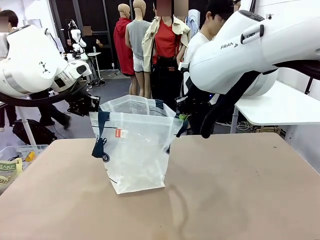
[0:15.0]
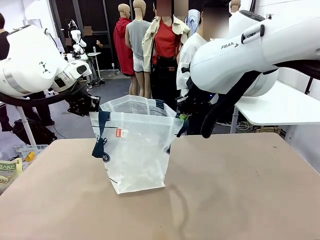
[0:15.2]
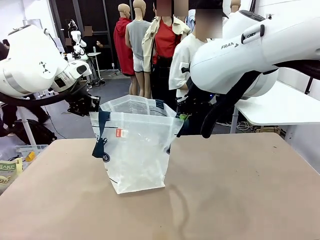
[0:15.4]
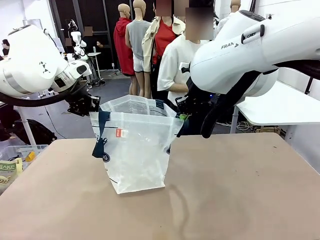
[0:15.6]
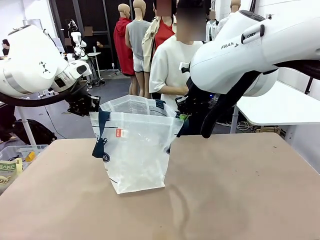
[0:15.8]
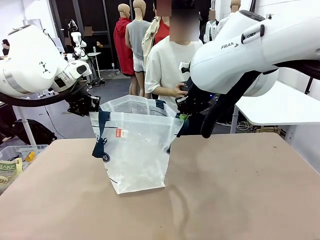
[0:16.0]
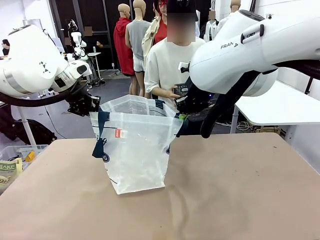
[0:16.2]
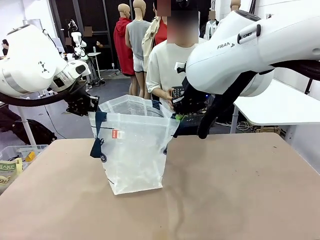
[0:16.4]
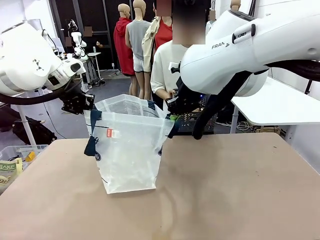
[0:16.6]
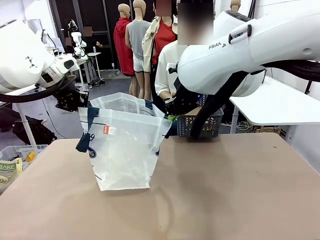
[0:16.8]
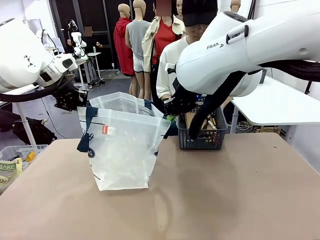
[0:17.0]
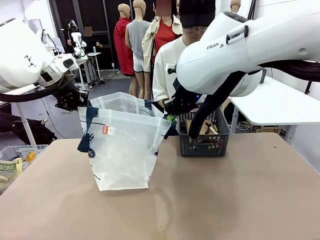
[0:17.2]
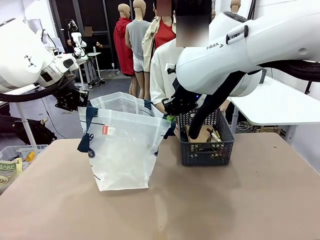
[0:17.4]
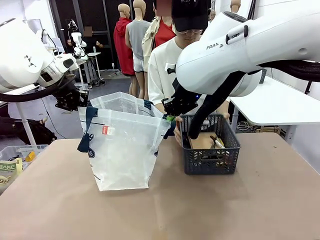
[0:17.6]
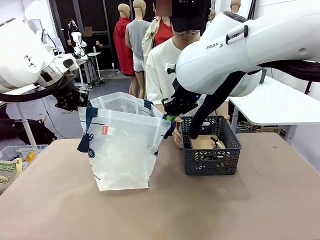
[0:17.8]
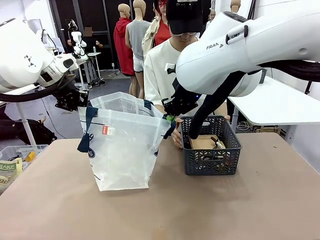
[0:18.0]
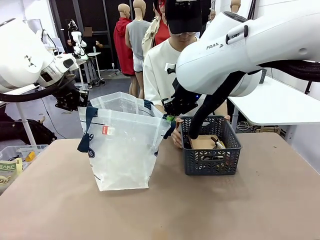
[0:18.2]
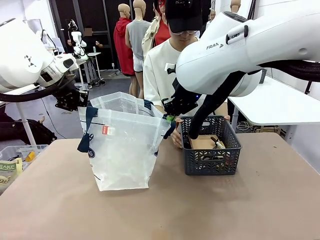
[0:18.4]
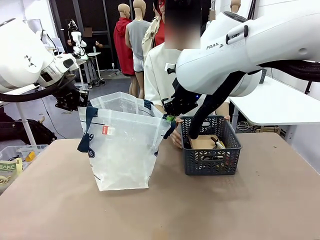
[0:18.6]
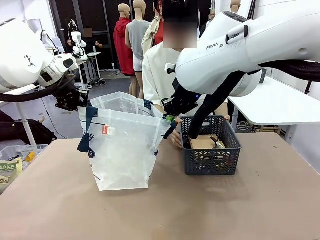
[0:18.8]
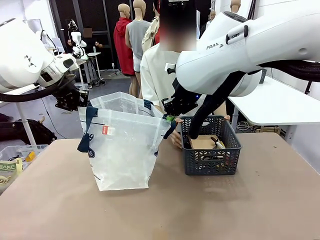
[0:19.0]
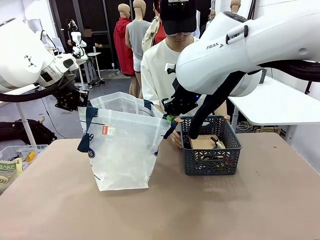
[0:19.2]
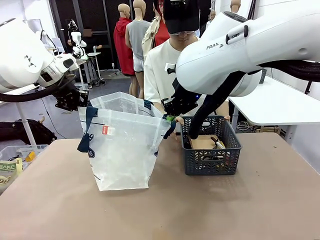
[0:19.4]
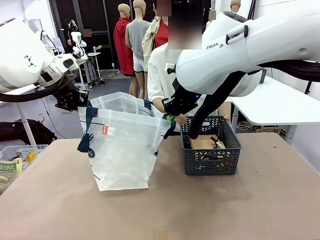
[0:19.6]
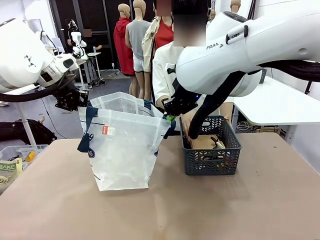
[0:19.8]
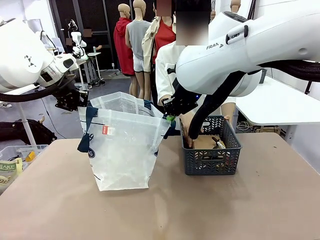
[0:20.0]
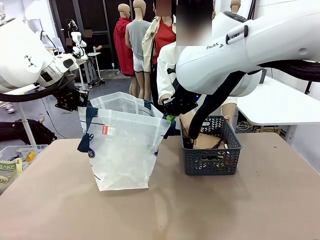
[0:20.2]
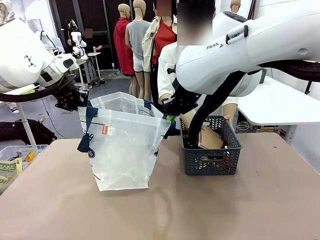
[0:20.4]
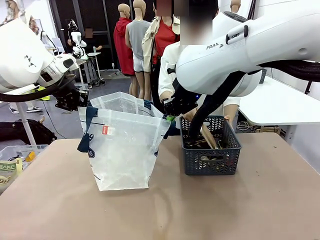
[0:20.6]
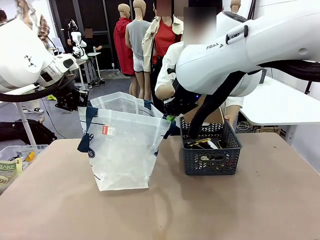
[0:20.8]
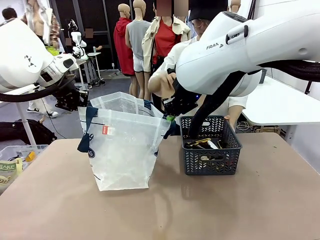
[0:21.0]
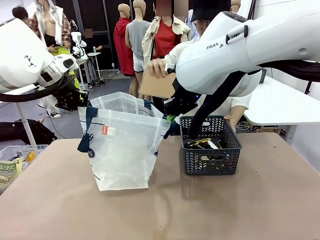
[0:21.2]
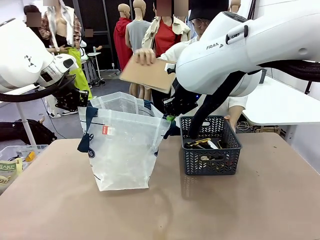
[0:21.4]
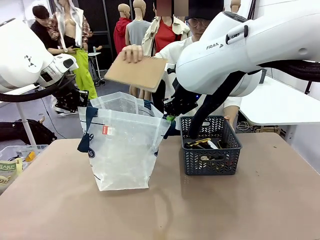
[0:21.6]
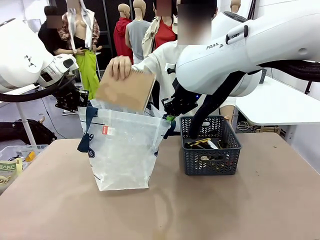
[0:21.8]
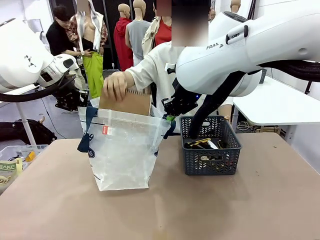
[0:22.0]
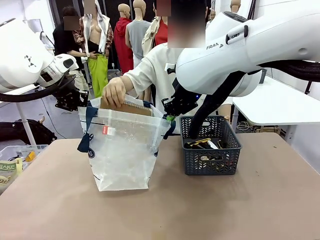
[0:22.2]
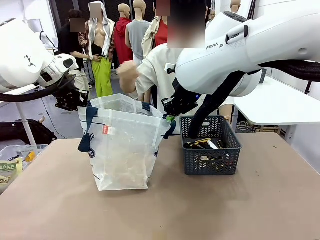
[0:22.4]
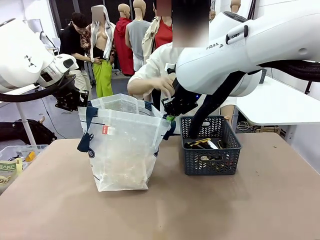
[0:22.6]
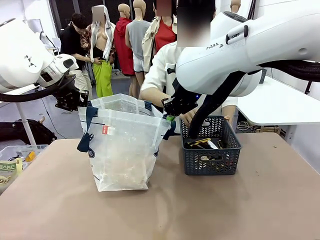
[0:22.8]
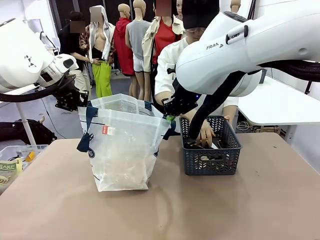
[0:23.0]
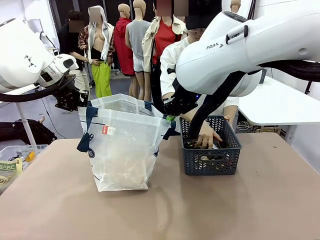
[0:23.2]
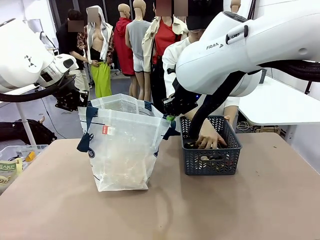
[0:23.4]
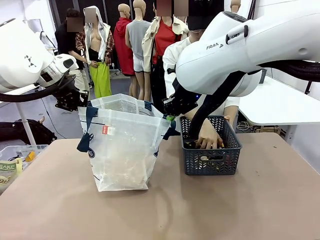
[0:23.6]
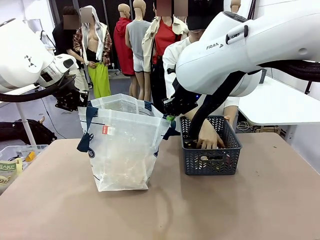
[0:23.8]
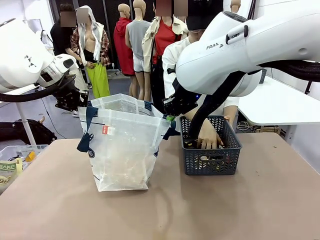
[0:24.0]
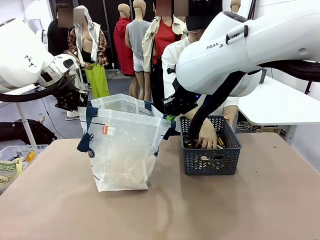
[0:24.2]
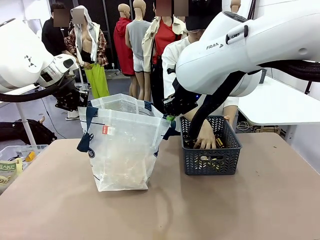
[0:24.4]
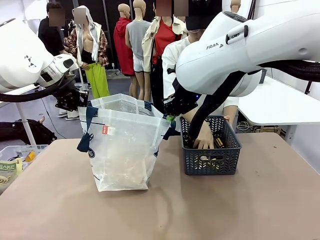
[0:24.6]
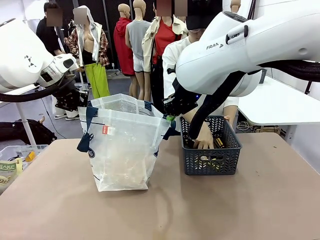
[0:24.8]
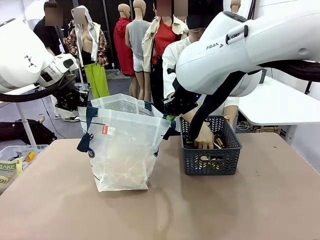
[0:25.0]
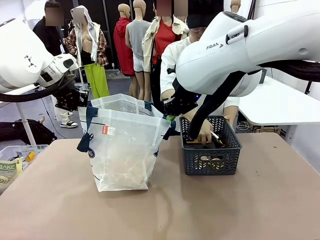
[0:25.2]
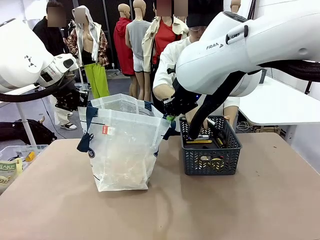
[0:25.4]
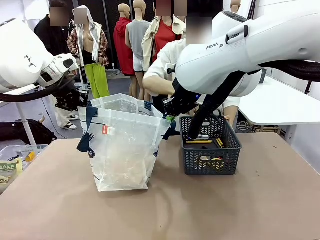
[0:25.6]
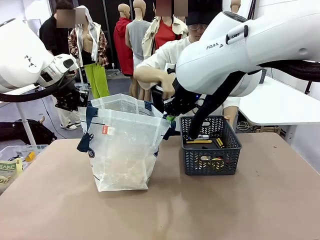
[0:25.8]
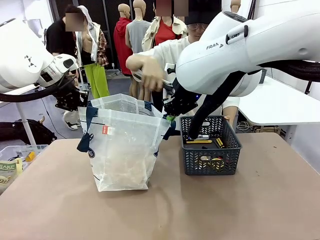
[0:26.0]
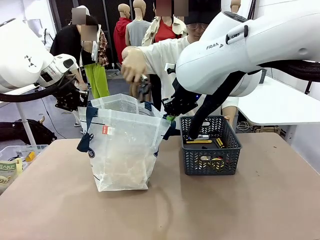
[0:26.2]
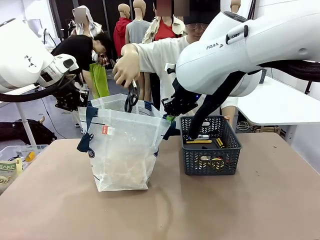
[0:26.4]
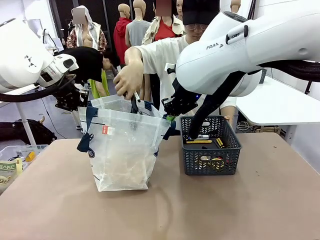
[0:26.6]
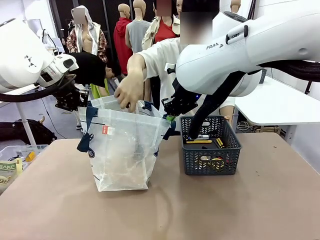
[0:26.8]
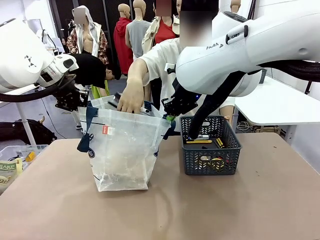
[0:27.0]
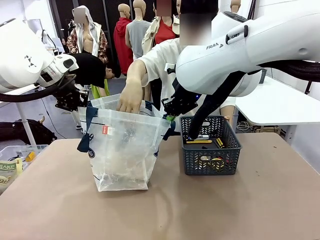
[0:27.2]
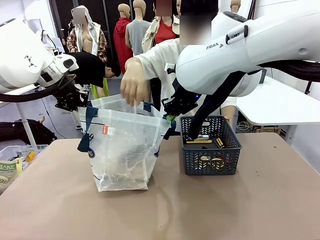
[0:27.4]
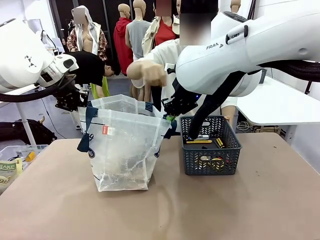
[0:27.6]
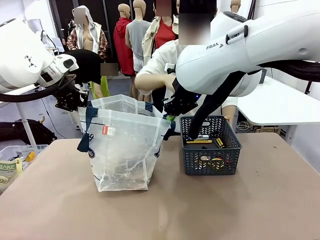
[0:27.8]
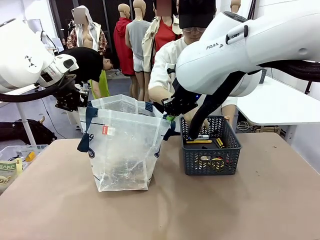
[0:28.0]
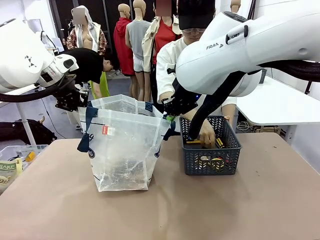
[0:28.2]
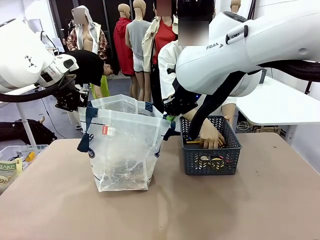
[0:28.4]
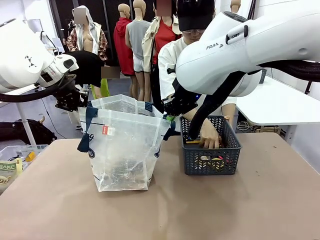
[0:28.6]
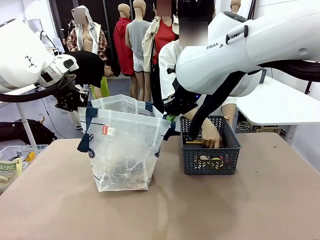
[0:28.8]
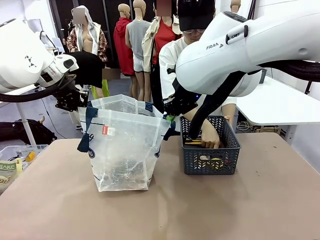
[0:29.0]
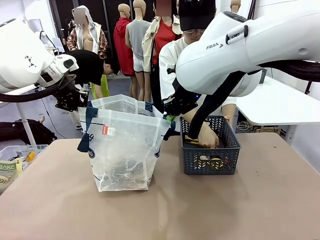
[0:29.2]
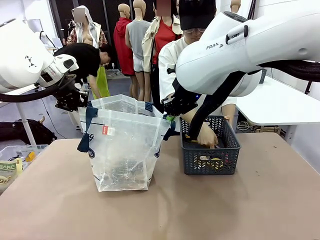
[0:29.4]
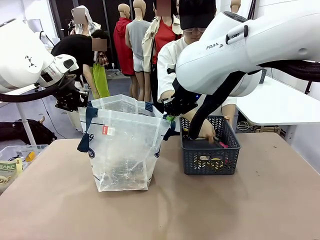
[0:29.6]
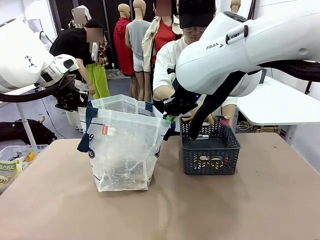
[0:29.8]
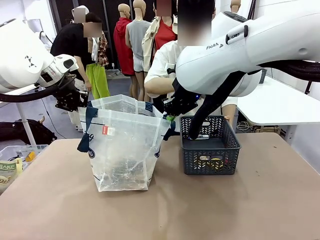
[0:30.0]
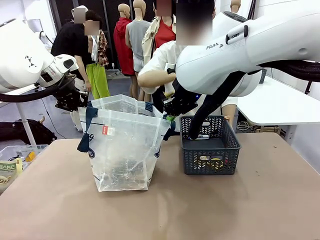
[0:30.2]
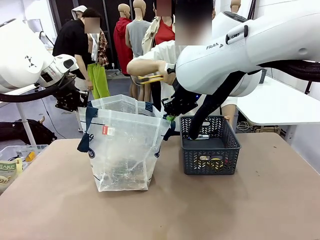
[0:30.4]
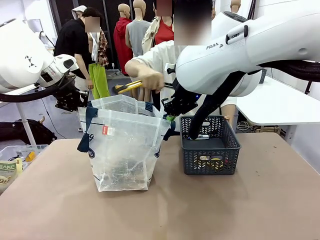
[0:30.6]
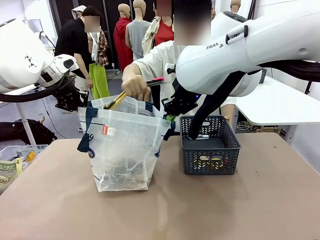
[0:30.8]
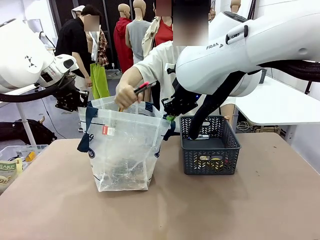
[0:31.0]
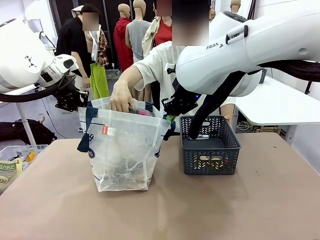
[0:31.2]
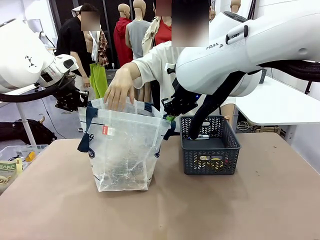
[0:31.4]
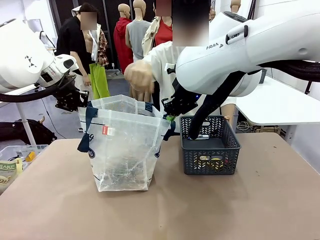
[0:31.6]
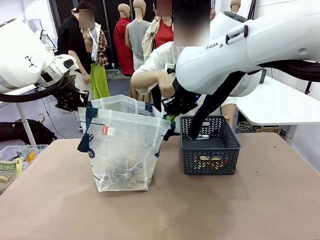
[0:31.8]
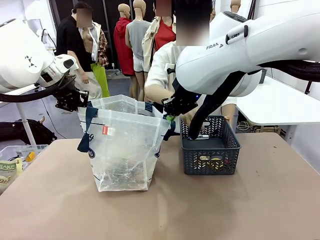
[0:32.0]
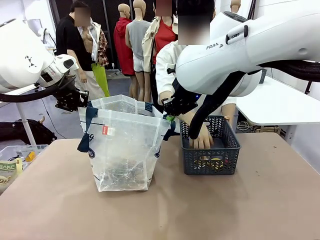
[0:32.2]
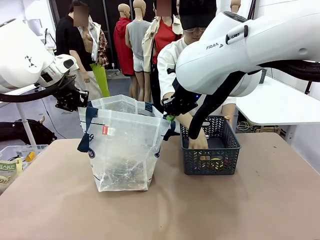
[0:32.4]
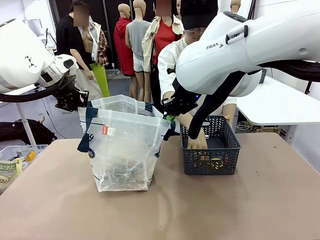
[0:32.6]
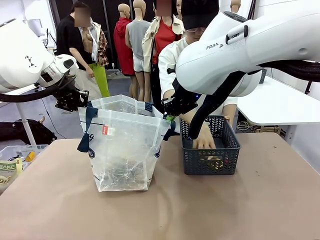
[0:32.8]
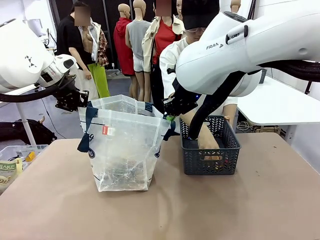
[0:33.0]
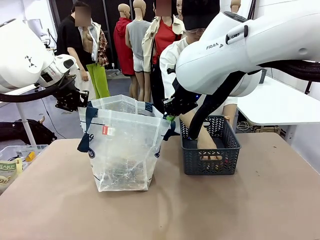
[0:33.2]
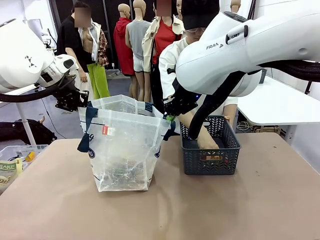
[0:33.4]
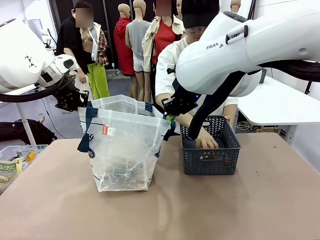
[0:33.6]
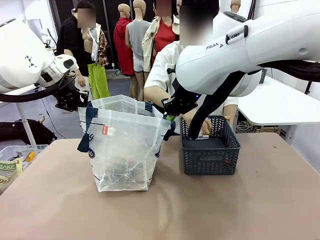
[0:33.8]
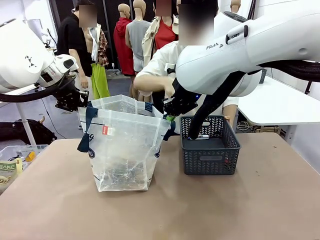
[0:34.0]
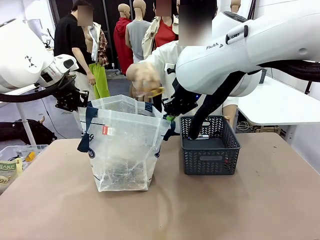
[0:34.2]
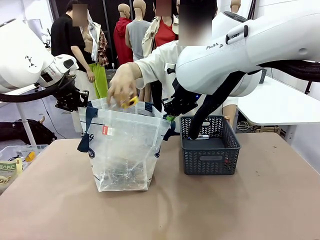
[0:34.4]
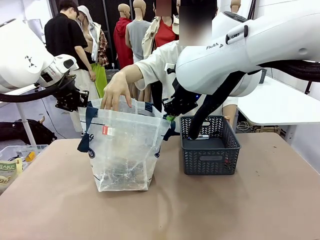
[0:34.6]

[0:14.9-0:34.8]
Task: Transfer purchased items from the store into the shopping bag.
Robot: Move the Reusable shopping bag to the right side of the table.
Person: Pick up the basket with the items out and place it on the right side of the human table.
